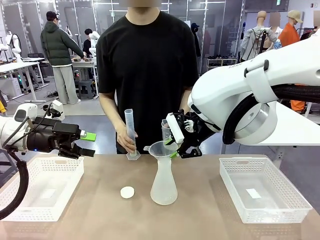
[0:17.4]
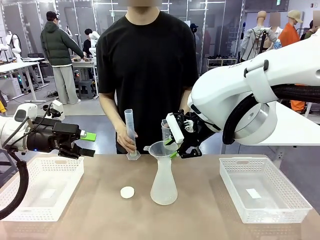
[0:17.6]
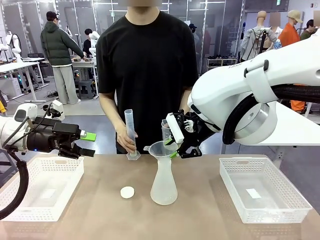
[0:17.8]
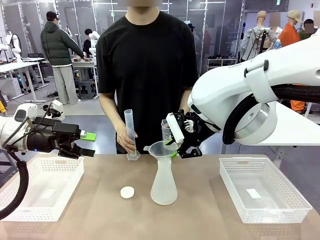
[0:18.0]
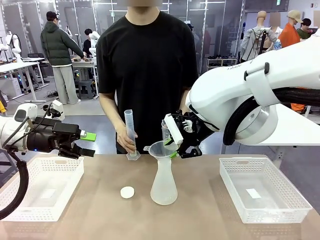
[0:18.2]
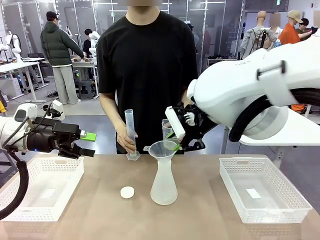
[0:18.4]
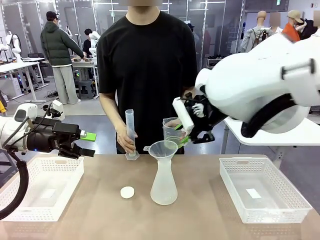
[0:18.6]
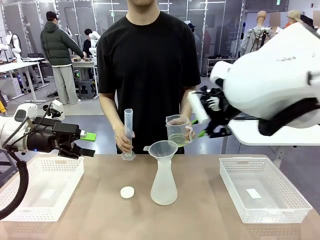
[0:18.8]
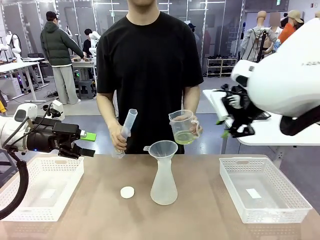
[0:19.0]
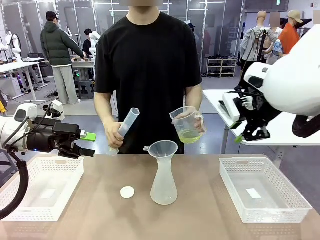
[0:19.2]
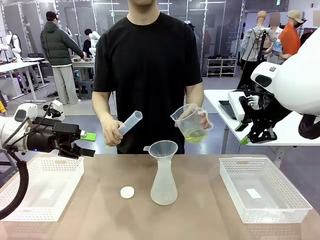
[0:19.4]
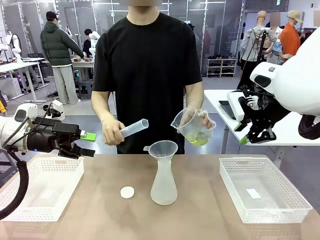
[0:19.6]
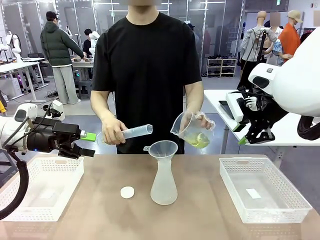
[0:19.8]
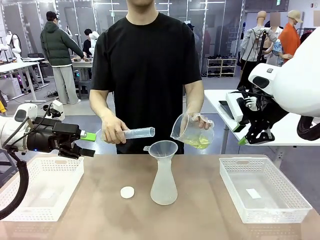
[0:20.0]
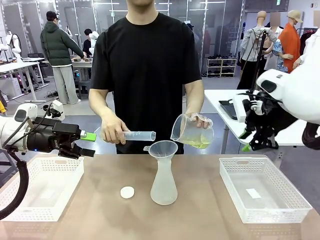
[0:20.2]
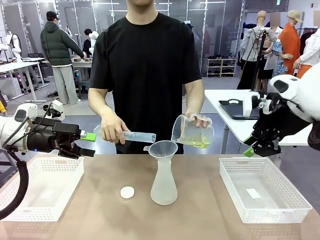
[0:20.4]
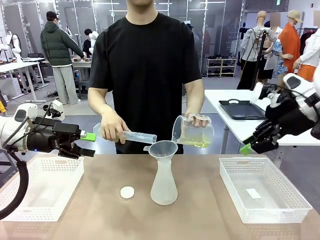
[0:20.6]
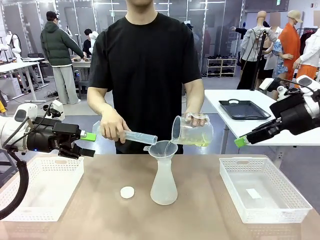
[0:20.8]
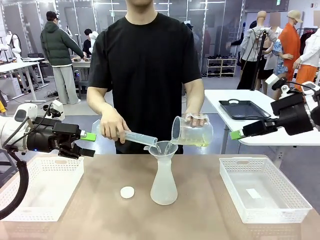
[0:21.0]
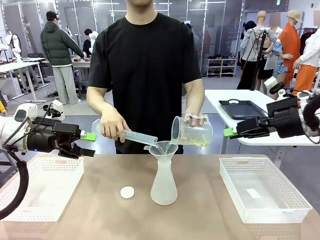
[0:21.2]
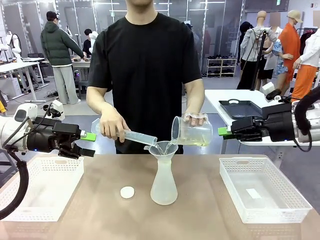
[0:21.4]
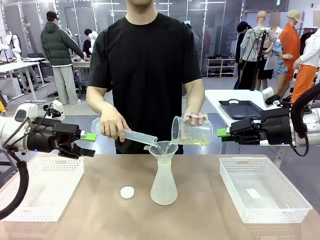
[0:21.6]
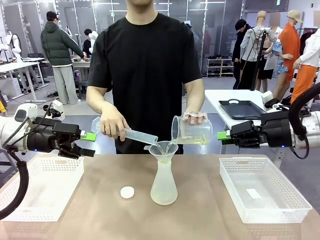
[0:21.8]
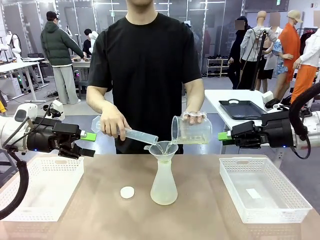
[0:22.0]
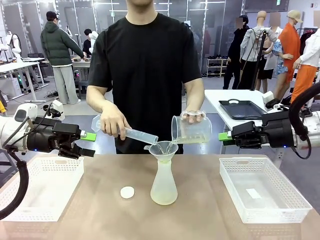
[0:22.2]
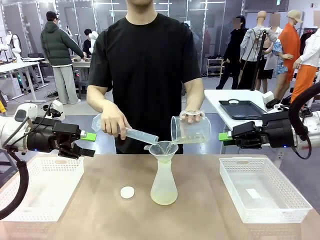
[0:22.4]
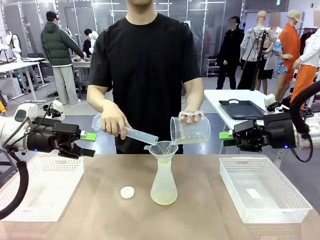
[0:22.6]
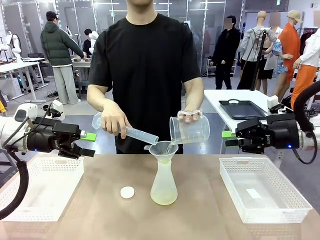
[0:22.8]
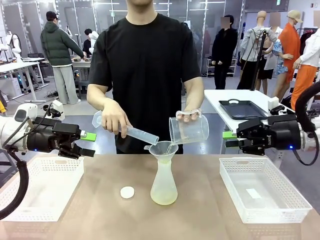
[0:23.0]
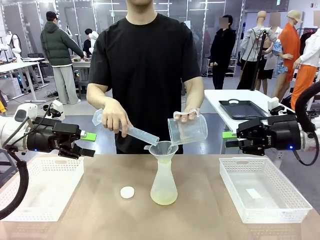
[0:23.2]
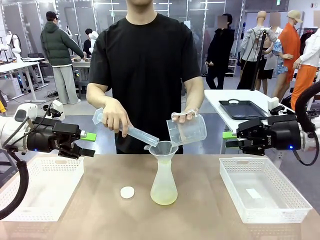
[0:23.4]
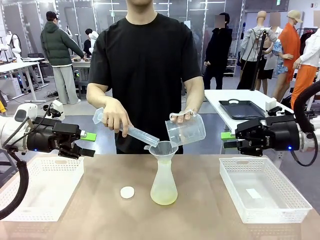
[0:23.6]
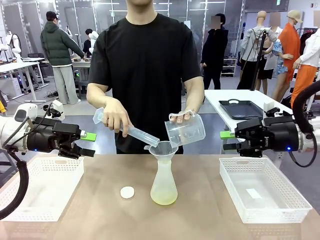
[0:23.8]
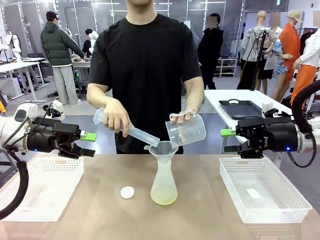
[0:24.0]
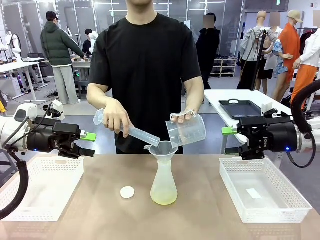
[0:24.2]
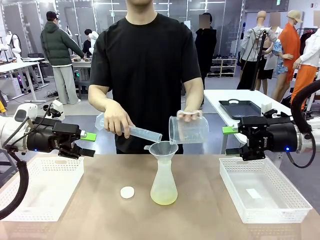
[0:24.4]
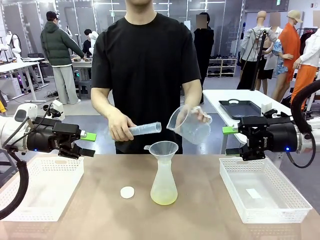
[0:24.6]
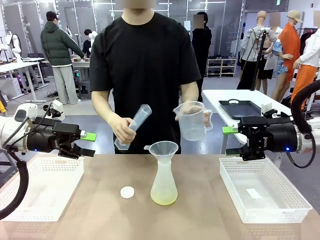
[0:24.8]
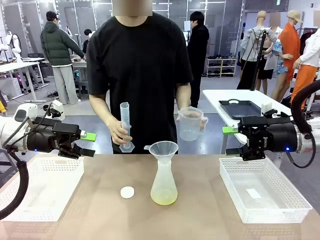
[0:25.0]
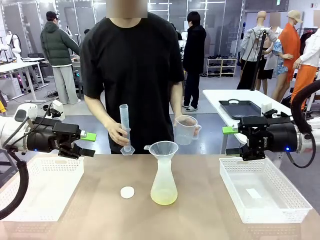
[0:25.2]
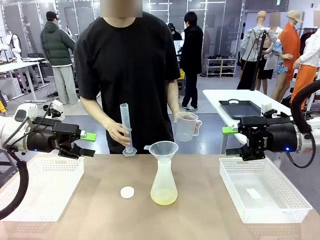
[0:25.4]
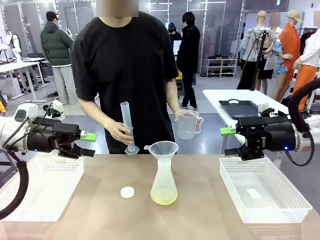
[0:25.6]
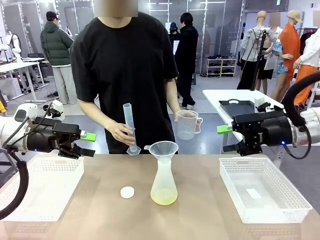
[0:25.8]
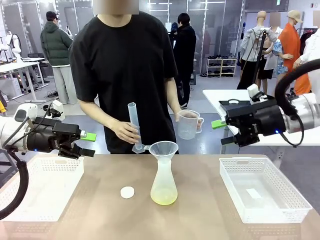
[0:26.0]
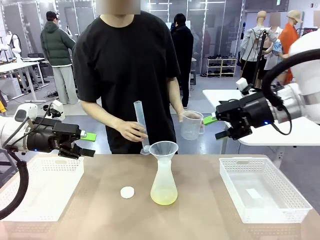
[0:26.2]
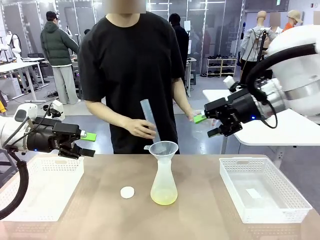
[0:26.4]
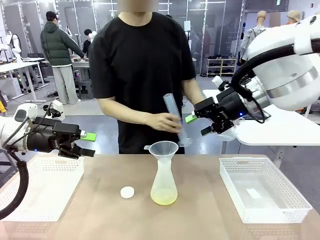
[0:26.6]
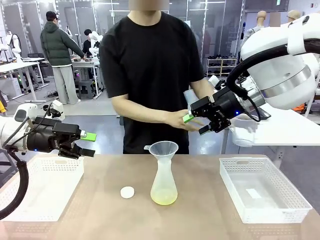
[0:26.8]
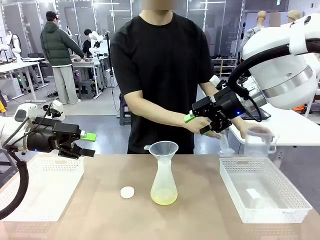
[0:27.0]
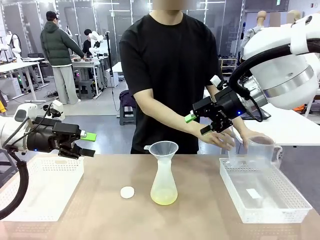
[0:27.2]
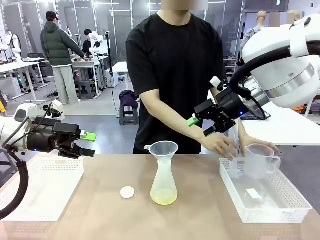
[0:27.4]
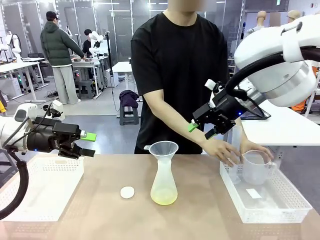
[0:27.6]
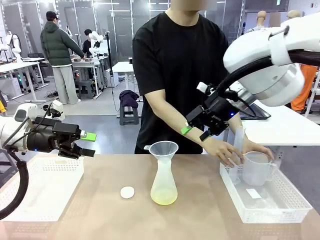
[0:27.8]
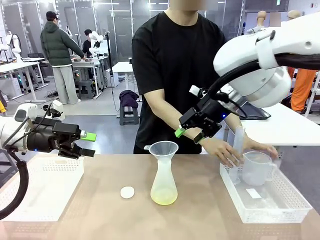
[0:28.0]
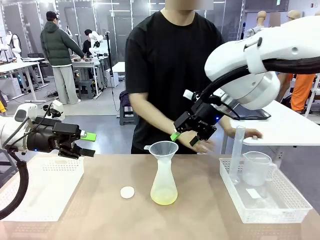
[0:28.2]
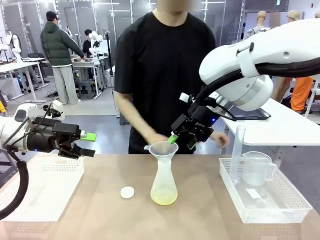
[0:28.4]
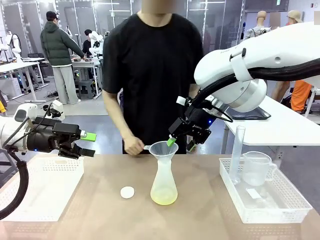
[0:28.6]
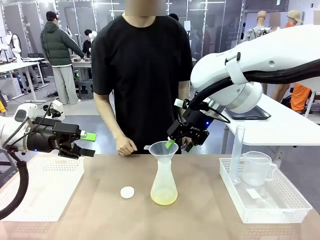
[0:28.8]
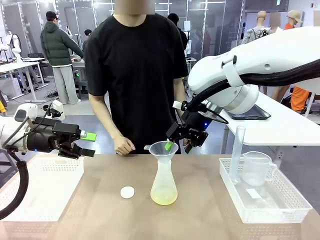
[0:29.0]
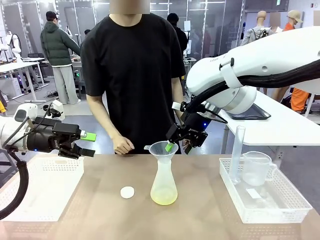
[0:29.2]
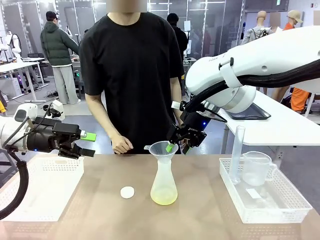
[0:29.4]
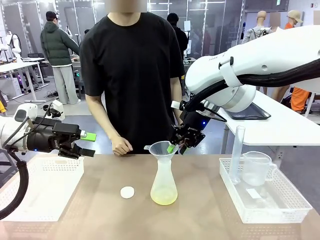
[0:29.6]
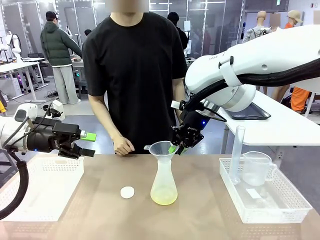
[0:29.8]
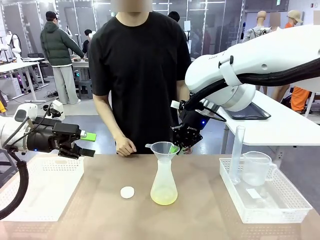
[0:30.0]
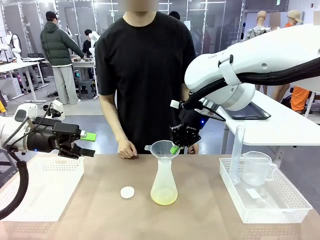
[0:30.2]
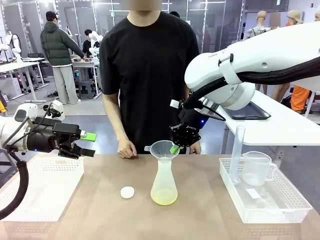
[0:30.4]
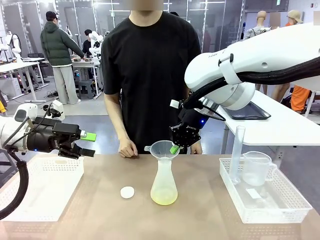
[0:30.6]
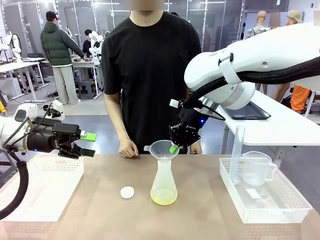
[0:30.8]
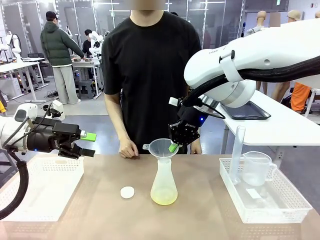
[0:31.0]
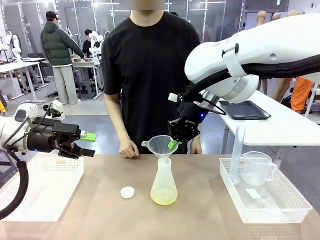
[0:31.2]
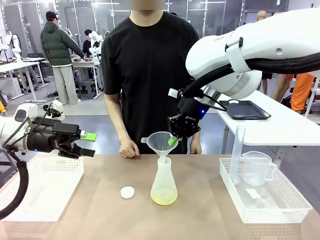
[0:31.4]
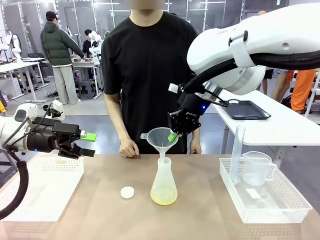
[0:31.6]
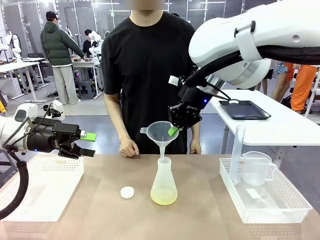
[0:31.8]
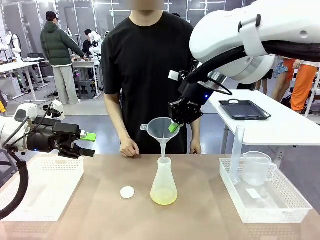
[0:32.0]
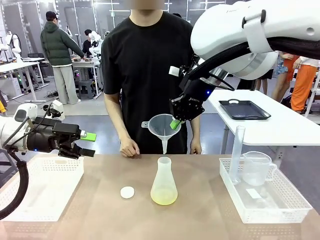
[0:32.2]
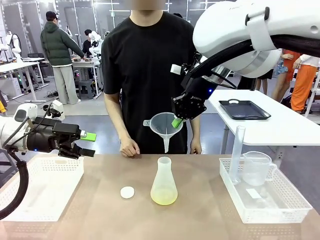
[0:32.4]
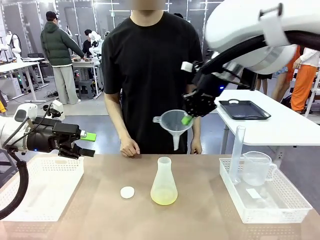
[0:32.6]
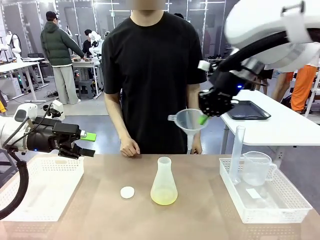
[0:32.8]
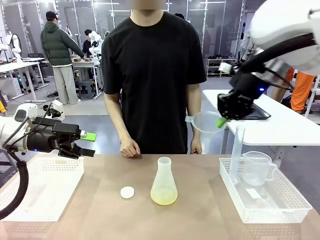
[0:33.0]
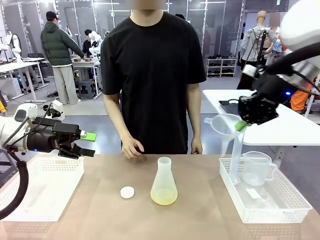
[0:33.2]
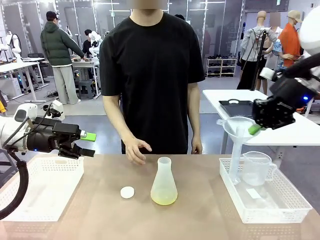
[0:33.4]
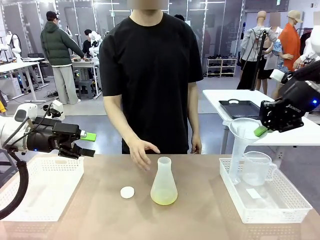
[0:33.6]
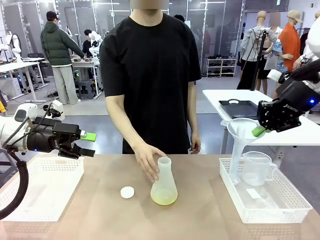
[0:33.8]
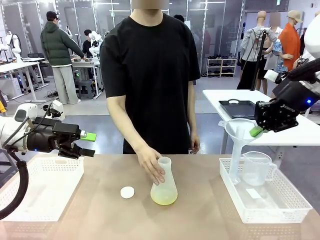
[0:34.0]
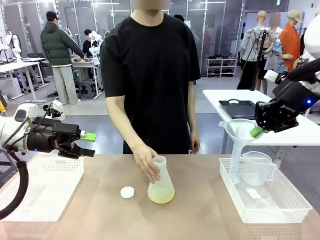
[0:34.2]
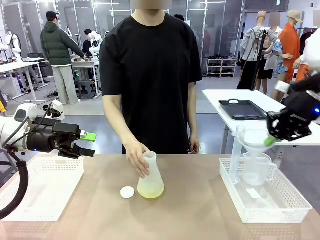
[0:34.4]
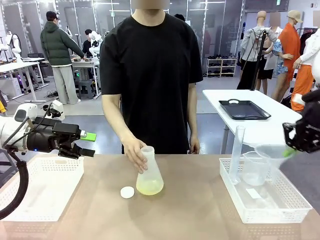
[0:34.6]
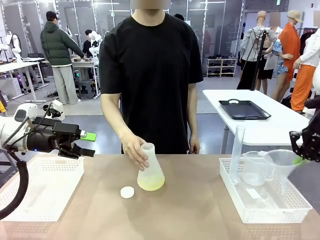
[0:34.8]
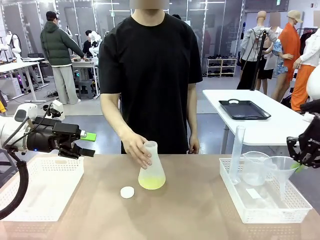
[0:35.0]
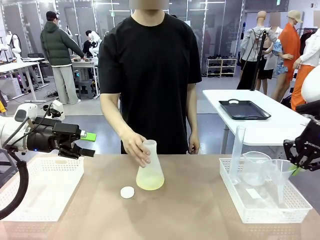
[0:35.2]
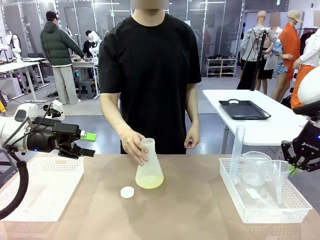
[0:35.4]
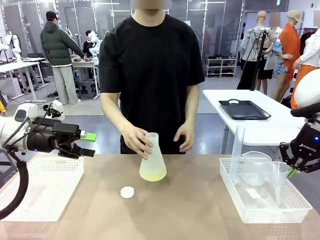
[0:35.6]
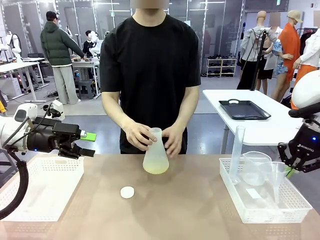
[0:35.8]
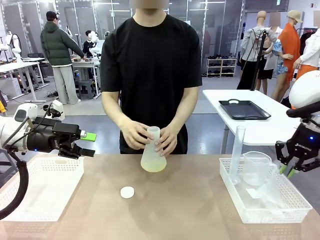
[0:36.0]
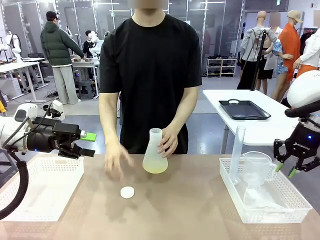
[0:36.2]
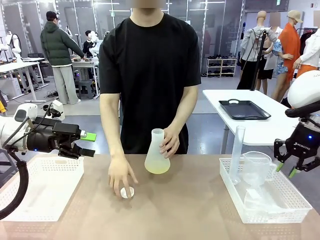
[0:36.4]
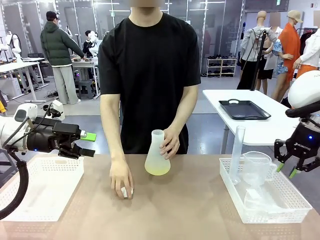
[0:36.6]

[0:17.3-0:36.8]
Task: Prepare the solutions needed for the experiment.
Robot: Once the solution is in the Big flask , pick up the Plastic Funnel and place it back into the right Organizing basket.
Person: Place the beaker and the cylinder into the organizing basket on the left side. Pick up the flask, gently shake it 2–3 times, place it in the middle of the robot table, and close the lid.
